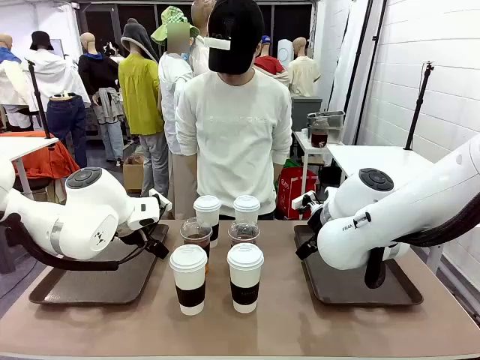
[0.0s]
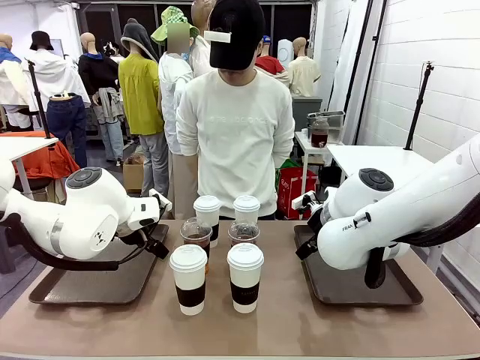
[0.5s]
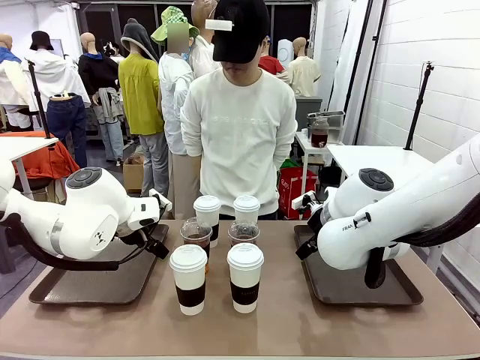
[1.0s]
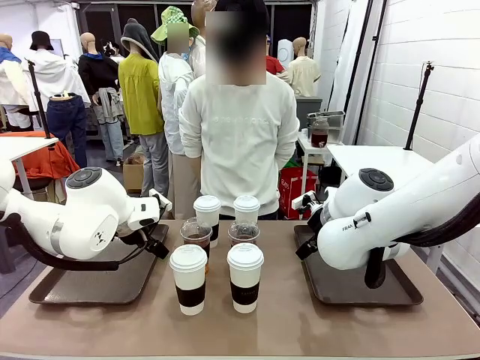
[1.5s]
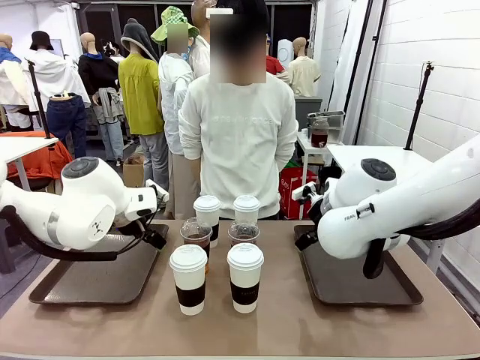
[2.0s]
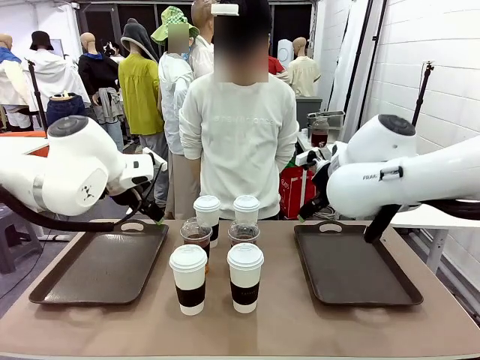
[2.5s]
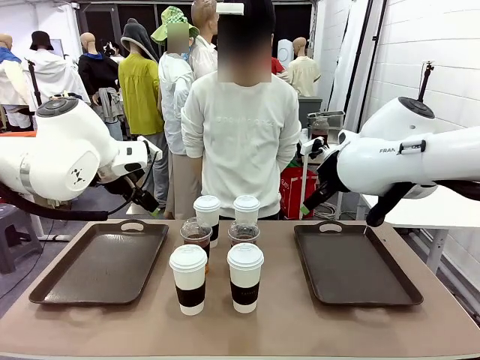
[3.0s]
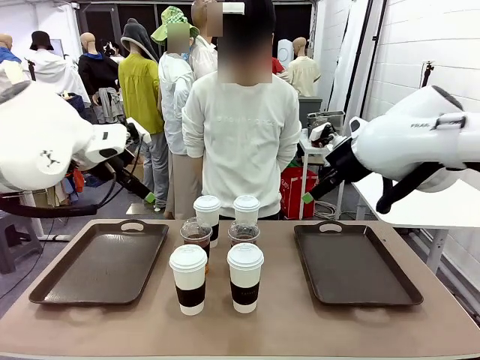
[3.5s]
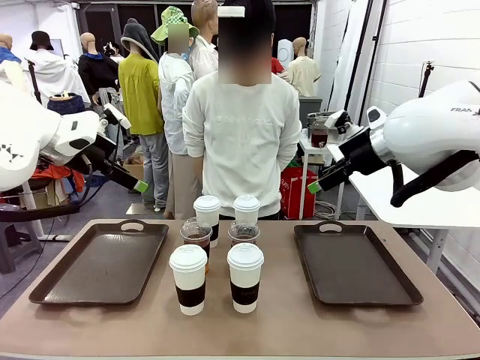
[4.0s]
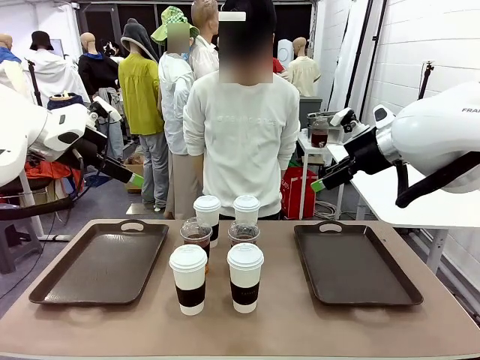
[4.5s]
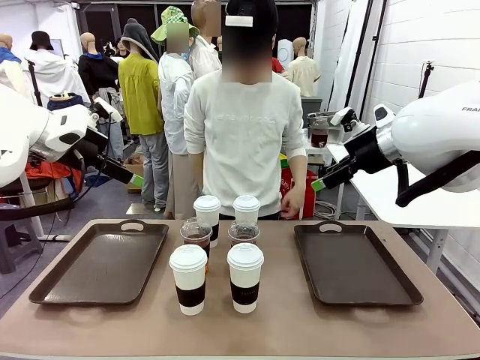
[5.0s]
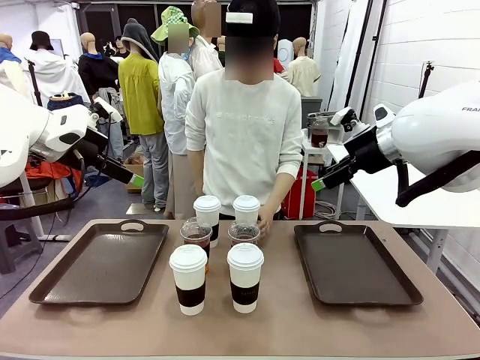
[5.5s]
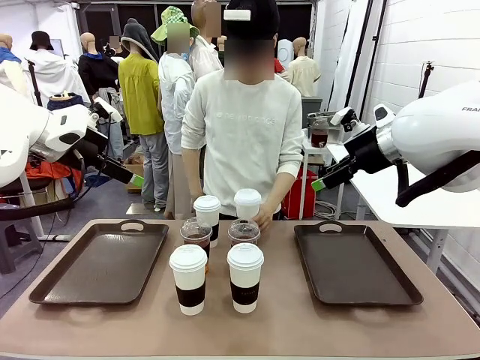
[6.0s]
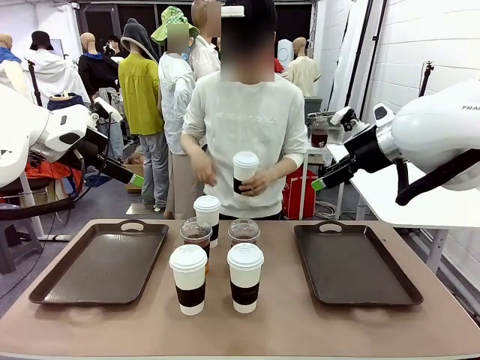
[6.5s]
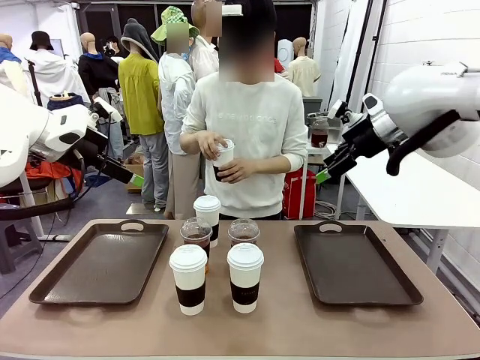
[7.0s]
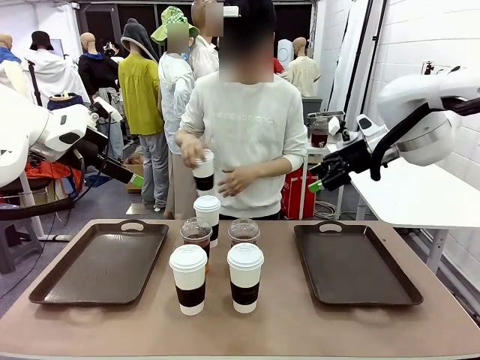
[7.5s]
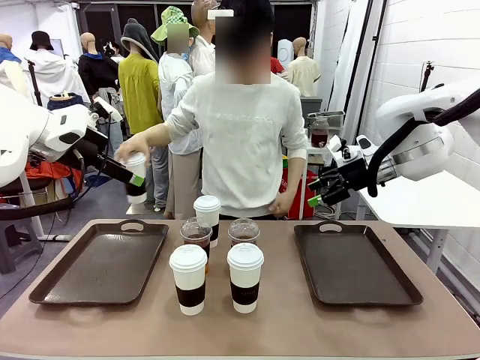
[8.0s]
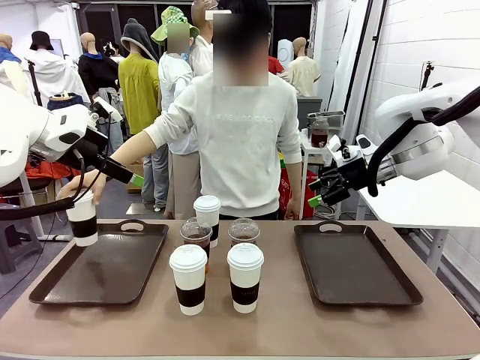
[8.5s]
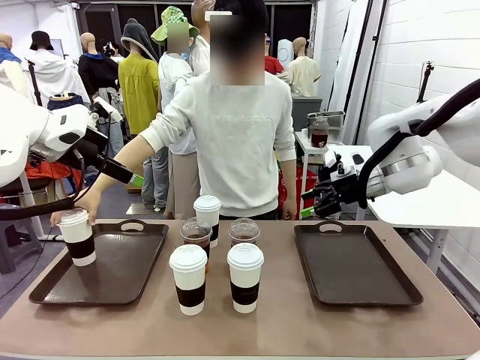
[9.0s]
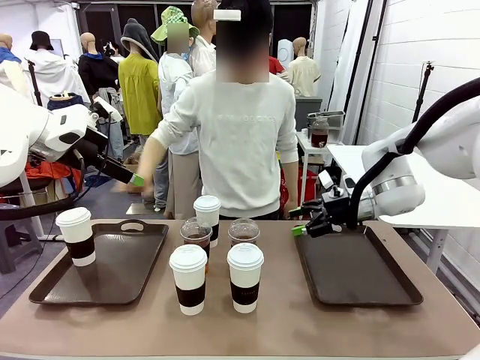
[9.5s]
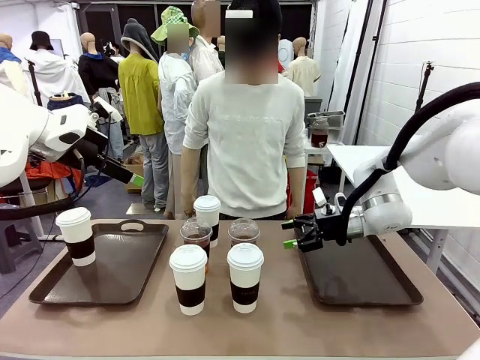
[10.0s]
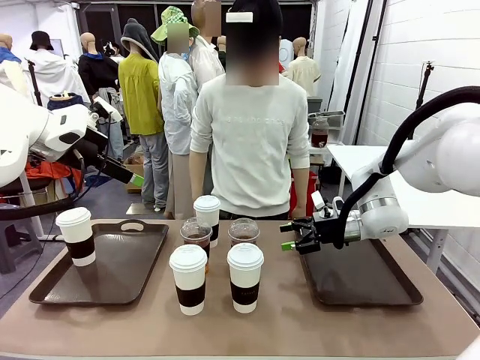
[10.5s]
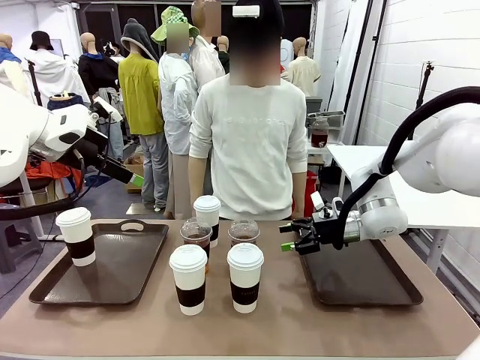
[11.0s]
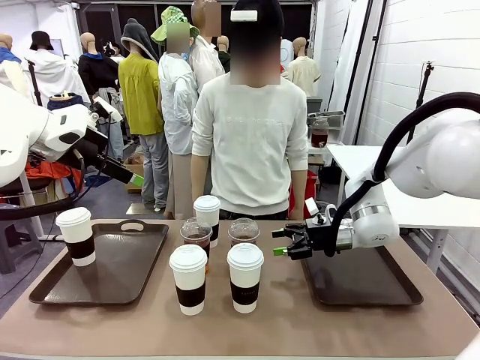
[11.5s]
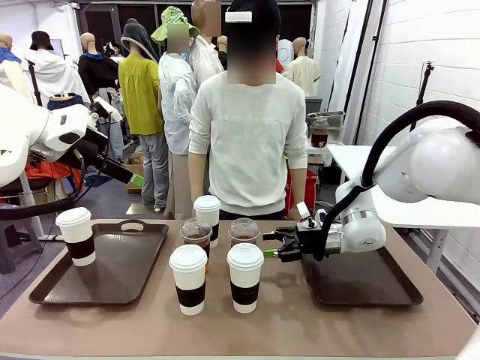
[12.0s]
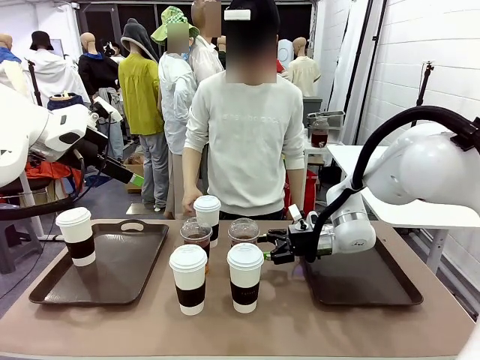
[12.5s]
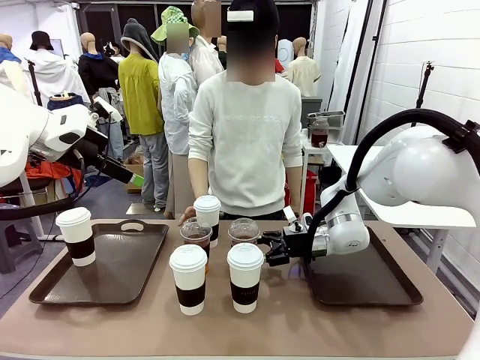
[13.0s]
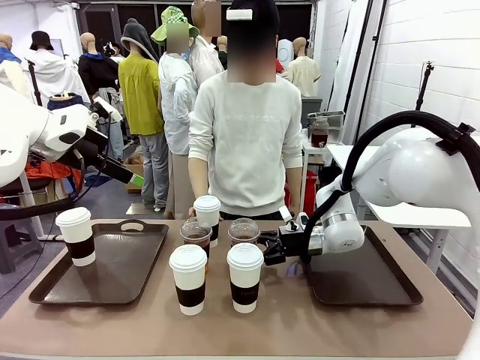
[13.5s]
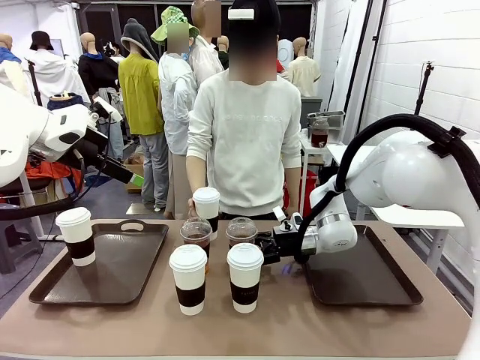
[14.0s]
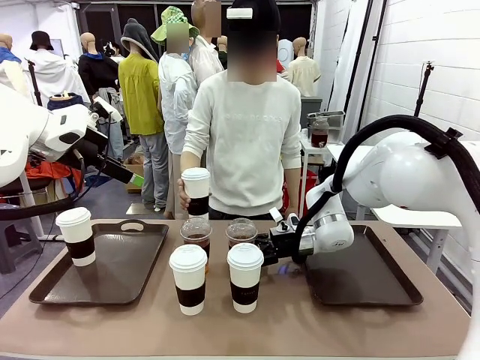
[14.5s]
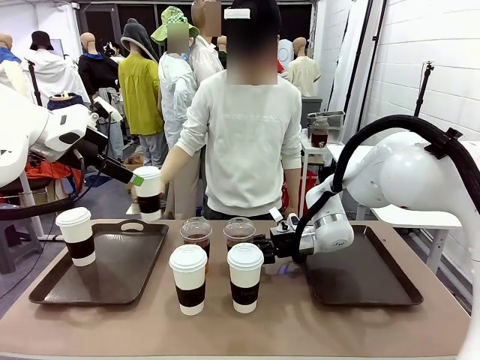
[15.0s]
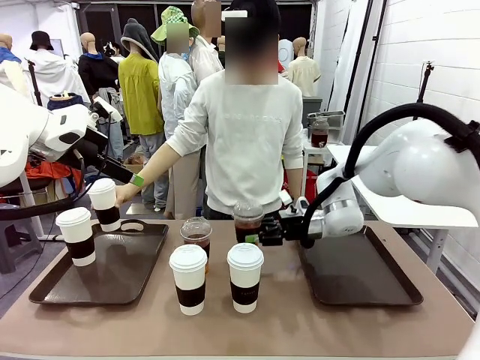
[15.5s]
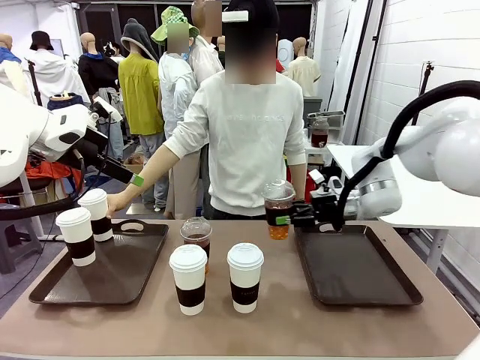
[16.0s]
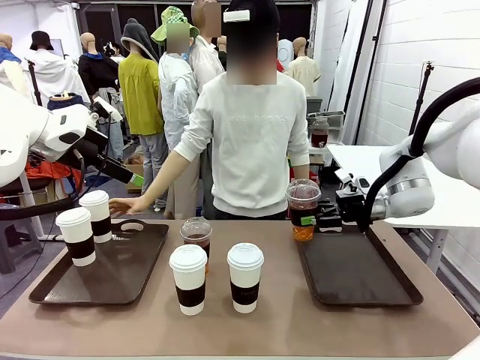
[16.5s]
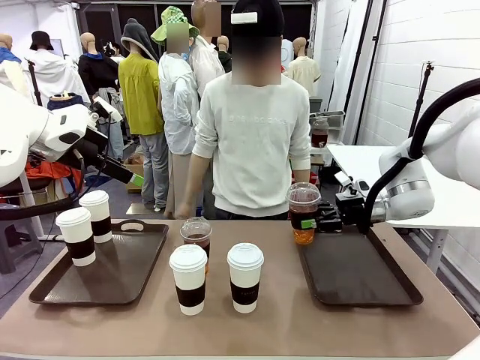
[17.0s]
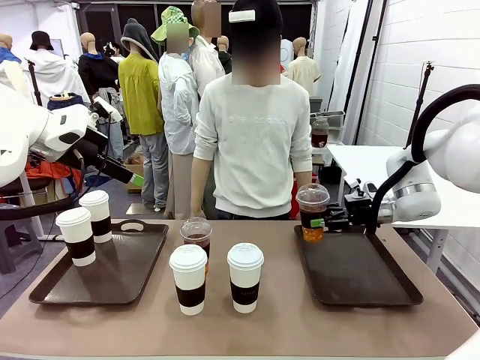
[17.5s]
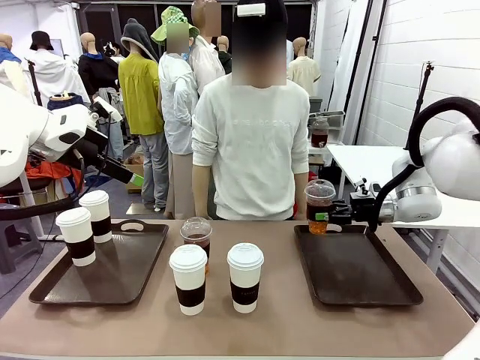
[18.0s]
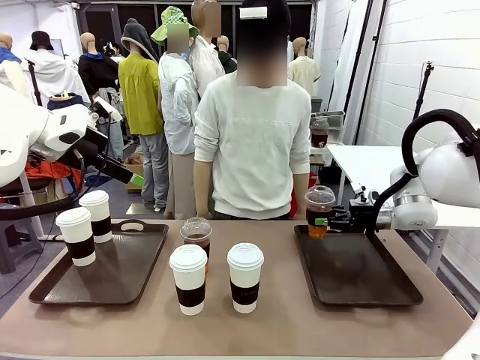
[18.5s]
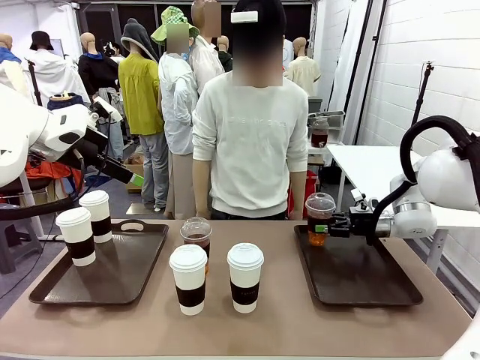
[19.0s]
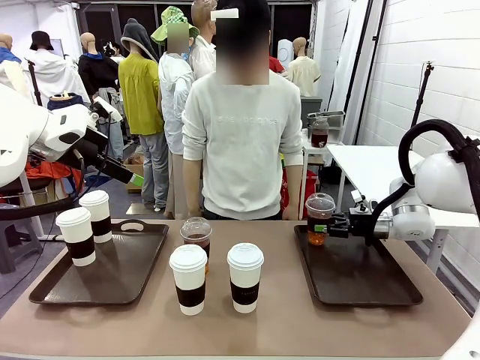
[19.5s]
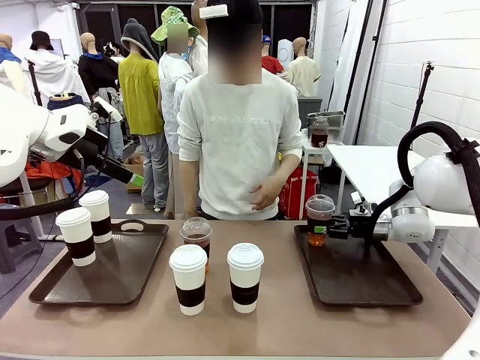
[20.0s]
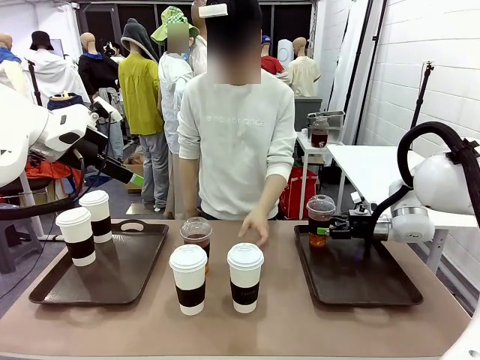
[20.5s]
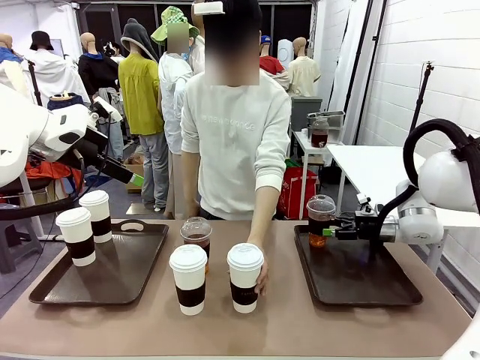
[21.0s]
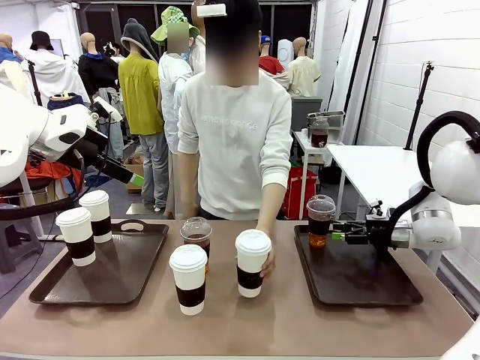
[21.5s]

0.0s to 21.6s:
Task: Distribute the coffee onto the tray.
Robot: Pick up one iced Americano and place it on the right Handle tray.
Person: Pick up a cup of hot Americano and place it on the right tray.
